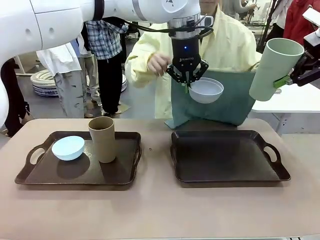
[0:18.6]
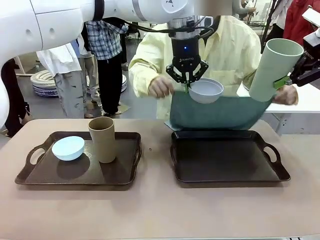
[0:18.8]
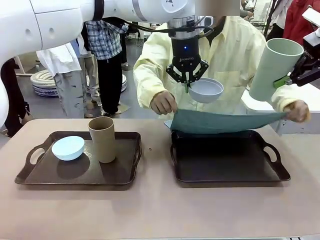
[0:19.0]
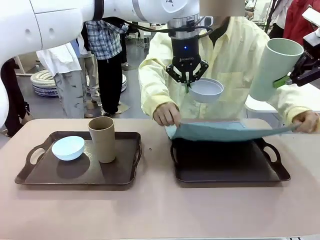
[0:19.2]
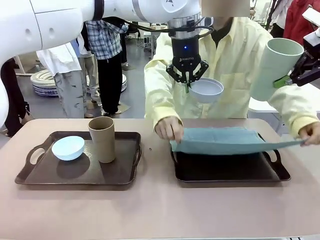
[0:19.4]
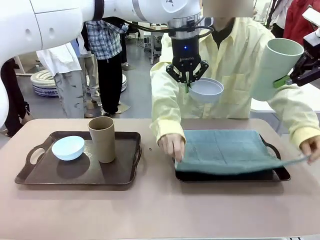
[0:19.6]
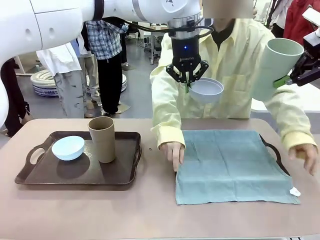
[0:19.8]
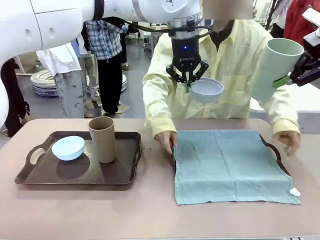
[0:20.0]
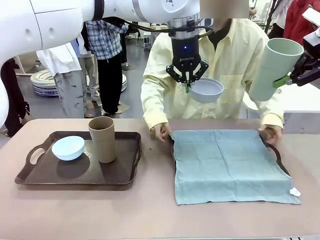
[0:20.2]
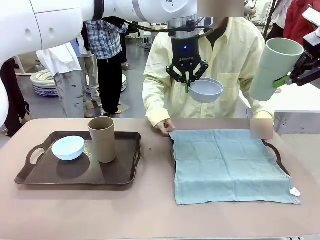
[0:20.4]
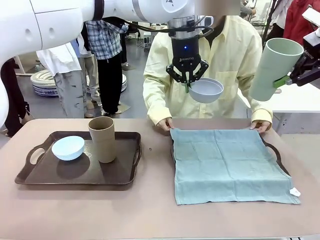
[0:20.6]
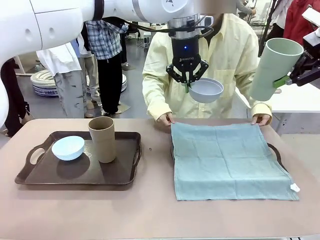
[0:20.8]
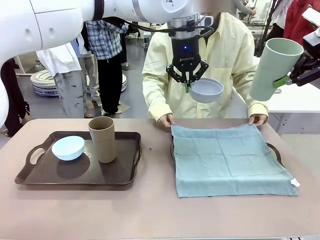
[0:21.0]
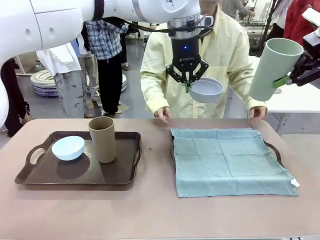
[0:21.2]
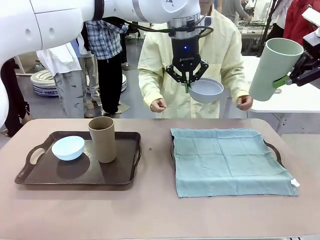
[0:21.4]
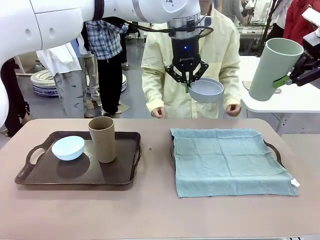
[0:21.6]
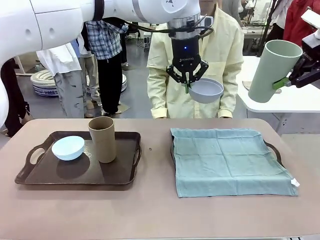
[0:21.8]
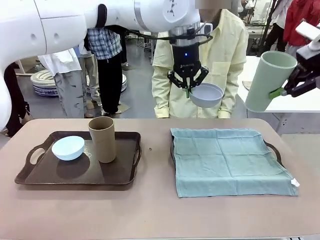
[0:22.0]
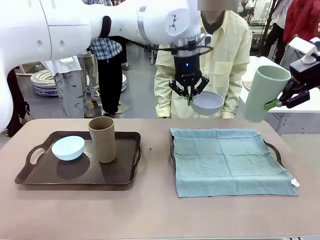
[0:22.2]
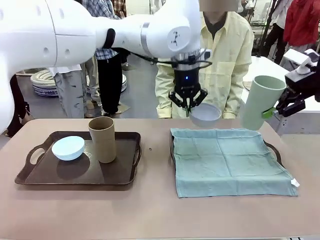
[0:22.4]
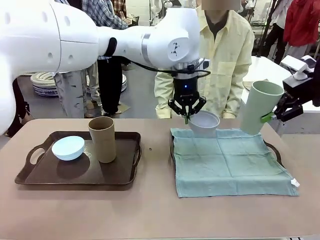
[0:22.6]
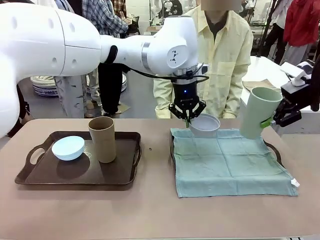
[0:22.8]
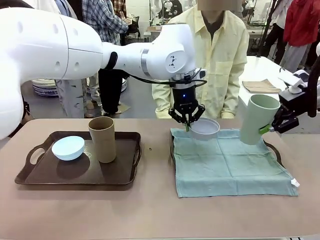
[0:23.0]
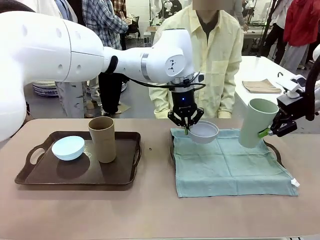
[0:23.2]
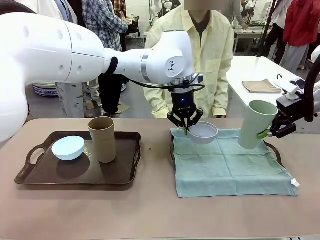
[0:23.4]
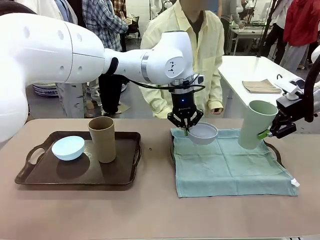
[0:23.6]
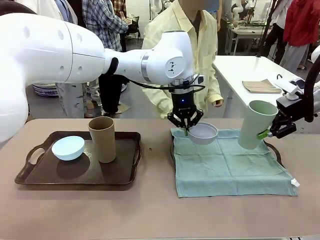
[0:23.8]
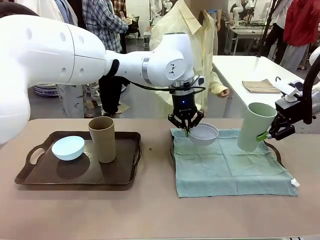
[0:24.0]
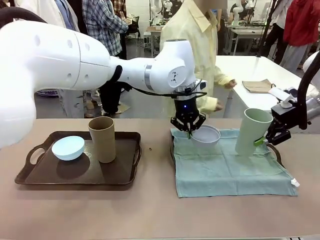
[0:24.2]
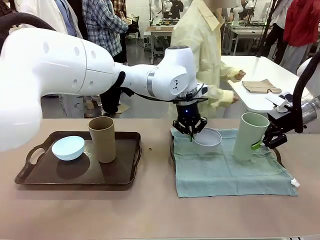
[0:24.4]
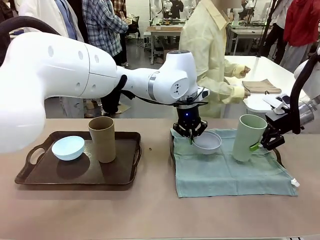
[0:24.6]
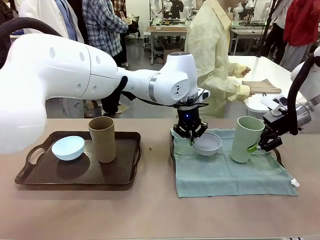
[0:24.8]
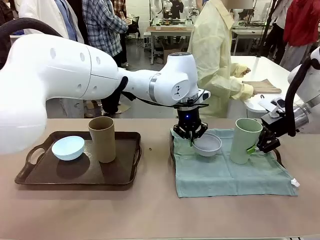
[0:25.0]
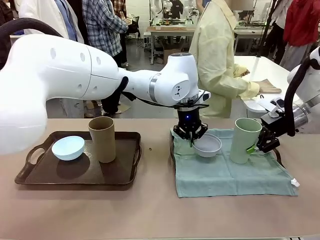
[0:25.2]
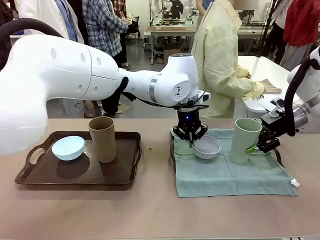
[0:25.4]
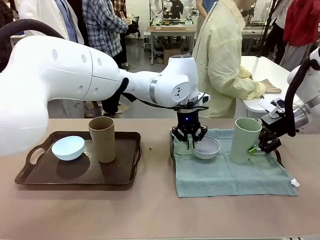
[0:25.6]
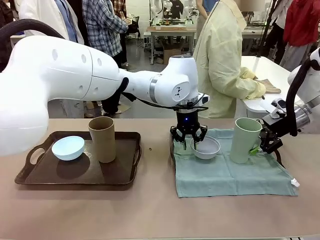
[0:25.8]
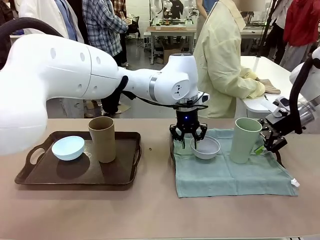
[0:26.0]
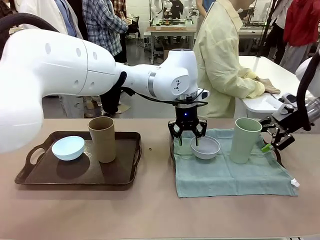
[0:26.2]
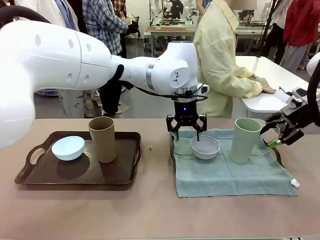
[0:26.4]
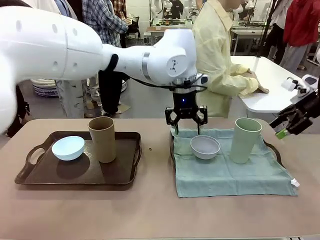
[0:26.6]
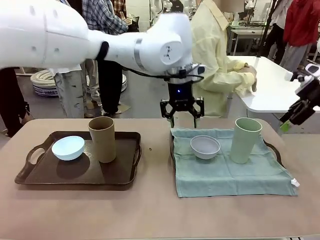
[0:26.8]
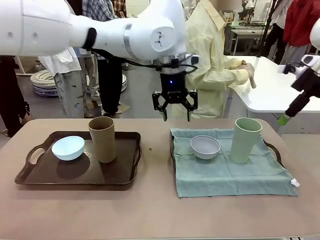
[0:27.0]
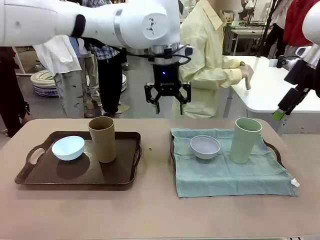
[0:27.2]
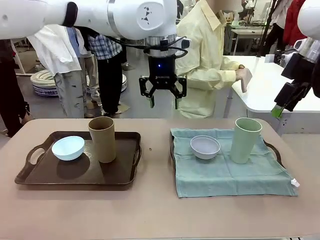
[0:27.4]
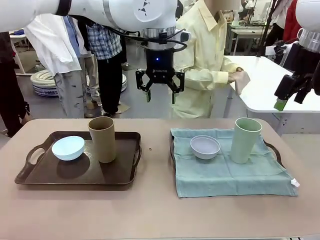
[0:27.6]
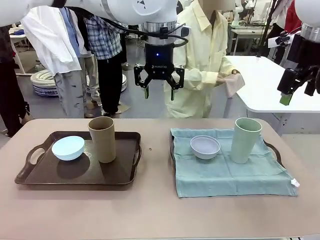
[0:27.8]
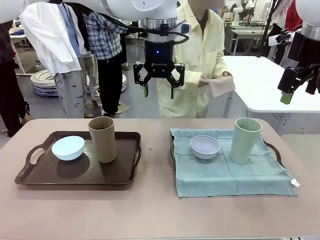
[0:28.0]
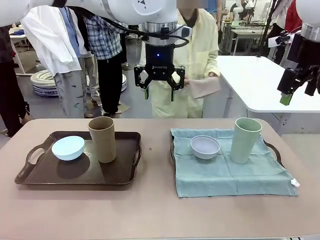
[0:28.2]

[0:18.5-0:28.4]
Robot: Place the Picnic Bowl and Reusable plastic cup back onto the Handle tray in front of the human's position.
Person: The human returns to the human table to pick up another napkin and walks to the robot table to stand in front of the tray without a napkin.

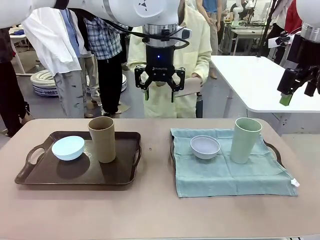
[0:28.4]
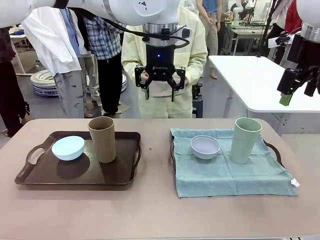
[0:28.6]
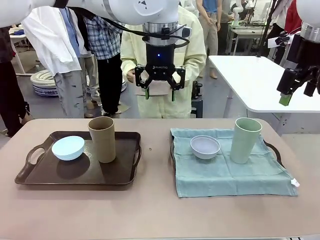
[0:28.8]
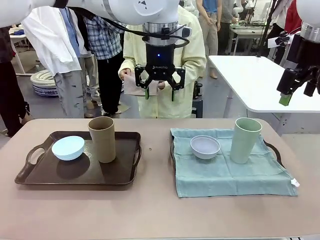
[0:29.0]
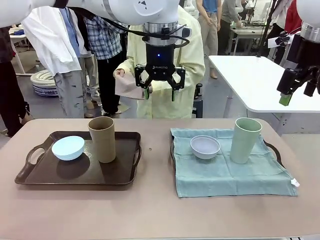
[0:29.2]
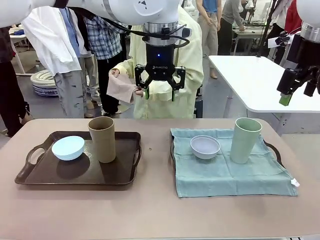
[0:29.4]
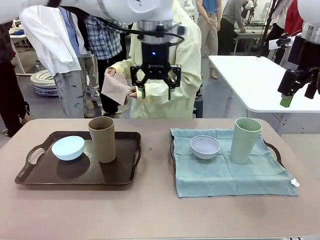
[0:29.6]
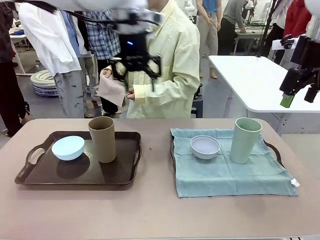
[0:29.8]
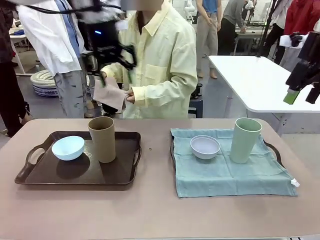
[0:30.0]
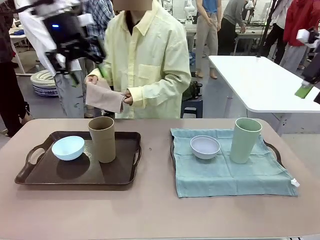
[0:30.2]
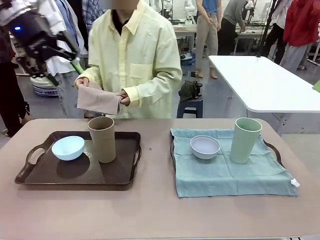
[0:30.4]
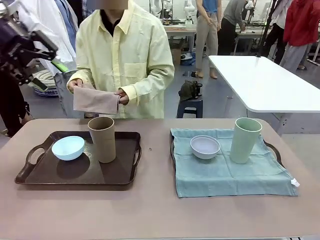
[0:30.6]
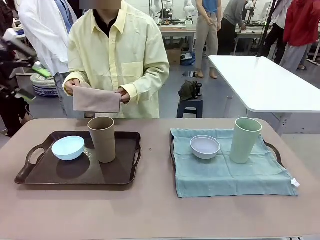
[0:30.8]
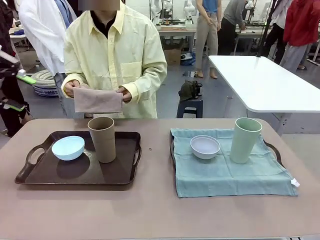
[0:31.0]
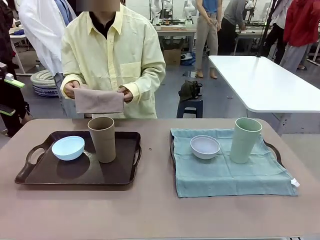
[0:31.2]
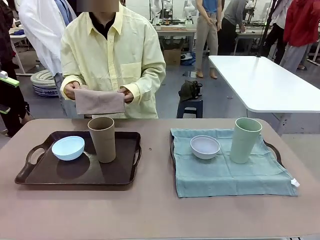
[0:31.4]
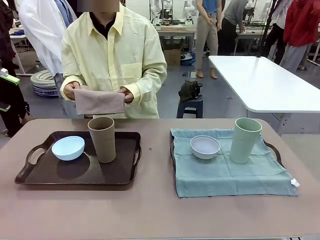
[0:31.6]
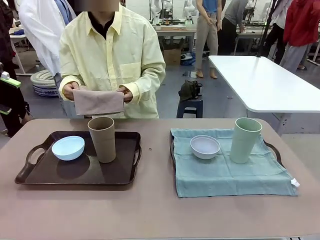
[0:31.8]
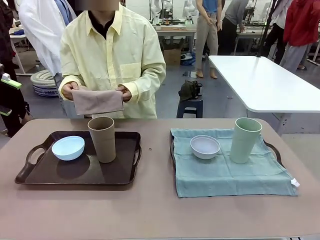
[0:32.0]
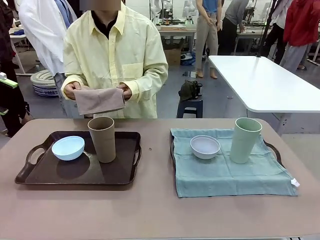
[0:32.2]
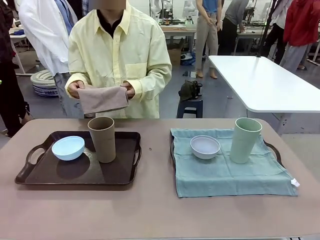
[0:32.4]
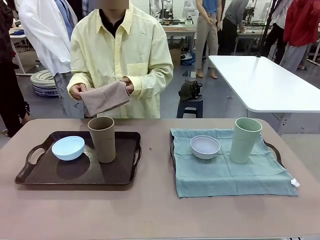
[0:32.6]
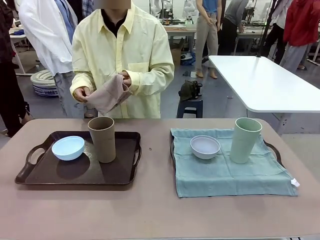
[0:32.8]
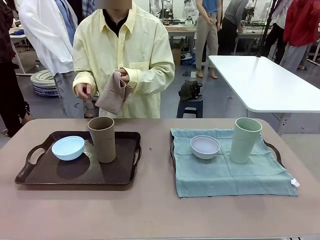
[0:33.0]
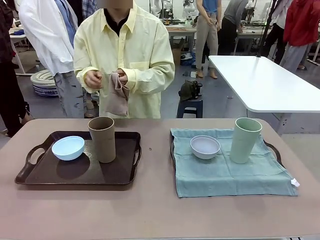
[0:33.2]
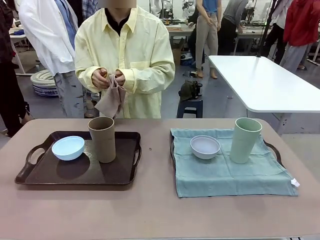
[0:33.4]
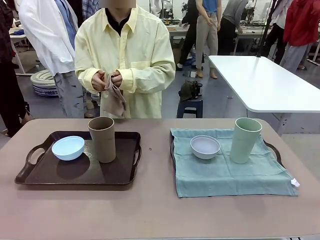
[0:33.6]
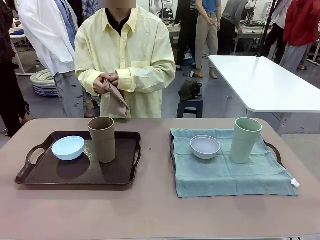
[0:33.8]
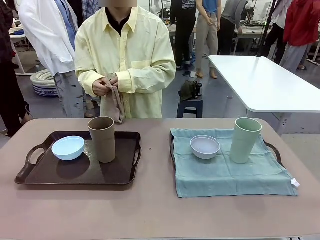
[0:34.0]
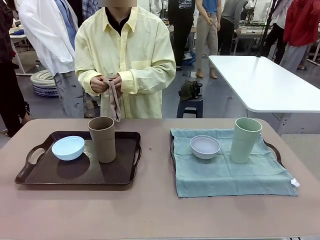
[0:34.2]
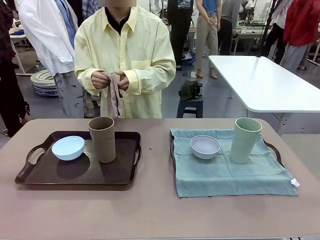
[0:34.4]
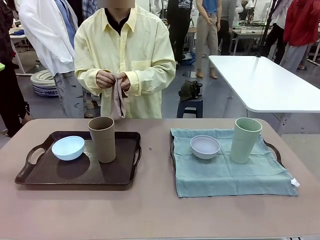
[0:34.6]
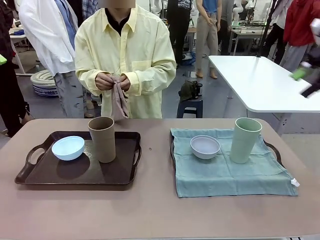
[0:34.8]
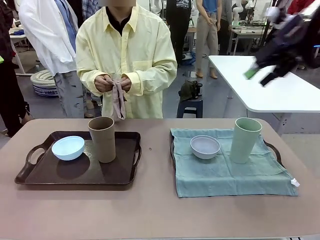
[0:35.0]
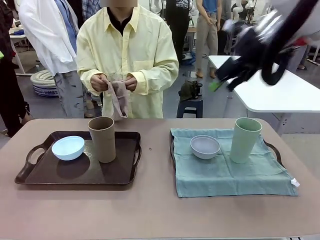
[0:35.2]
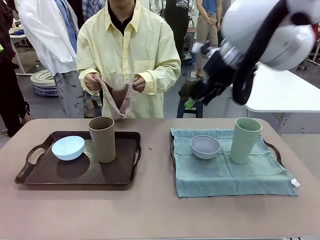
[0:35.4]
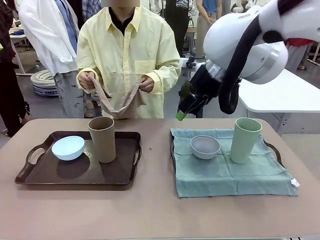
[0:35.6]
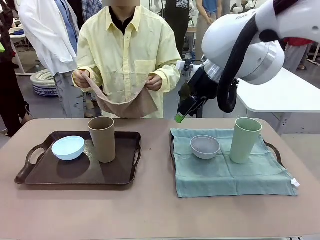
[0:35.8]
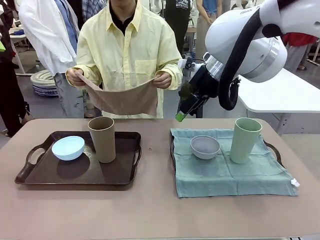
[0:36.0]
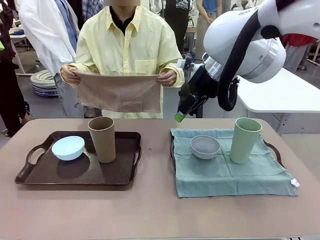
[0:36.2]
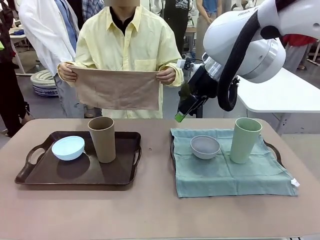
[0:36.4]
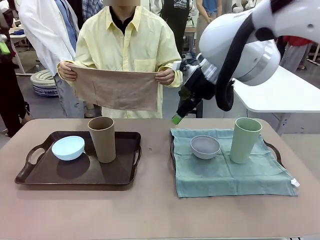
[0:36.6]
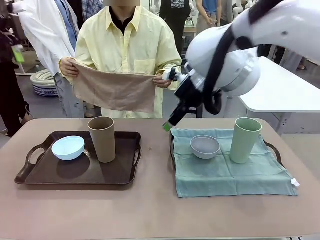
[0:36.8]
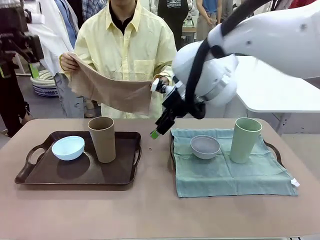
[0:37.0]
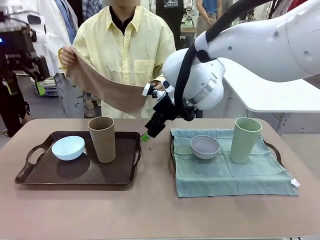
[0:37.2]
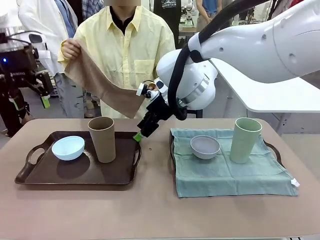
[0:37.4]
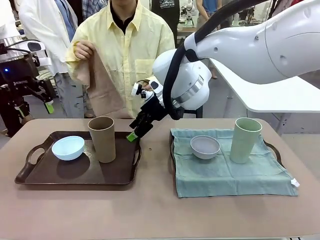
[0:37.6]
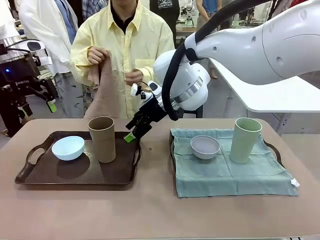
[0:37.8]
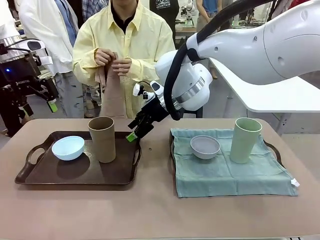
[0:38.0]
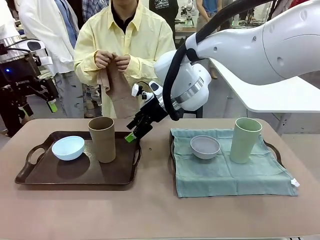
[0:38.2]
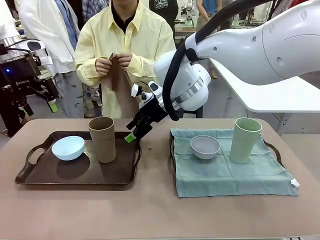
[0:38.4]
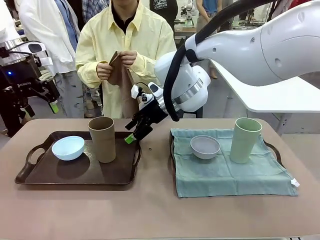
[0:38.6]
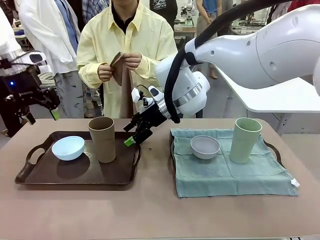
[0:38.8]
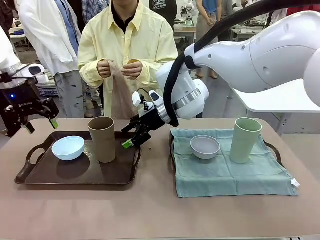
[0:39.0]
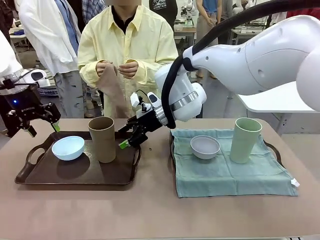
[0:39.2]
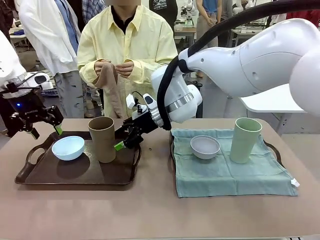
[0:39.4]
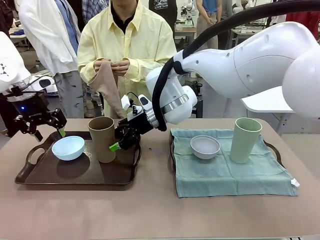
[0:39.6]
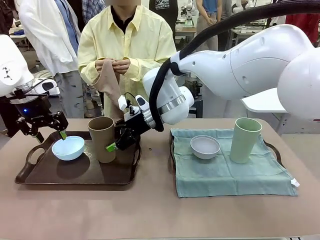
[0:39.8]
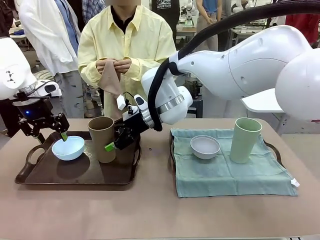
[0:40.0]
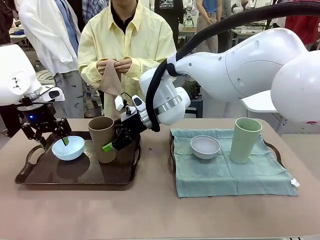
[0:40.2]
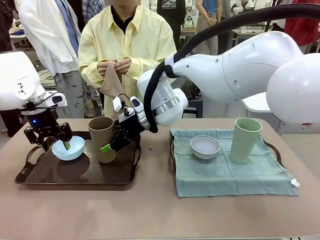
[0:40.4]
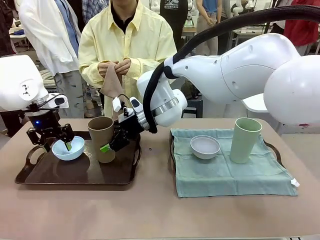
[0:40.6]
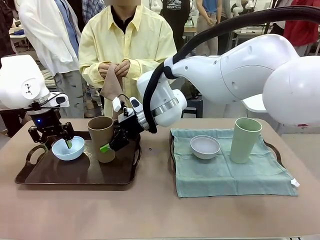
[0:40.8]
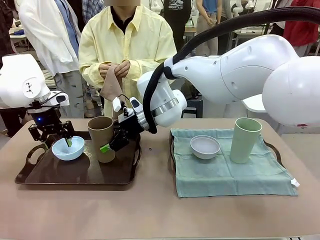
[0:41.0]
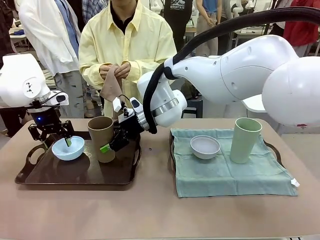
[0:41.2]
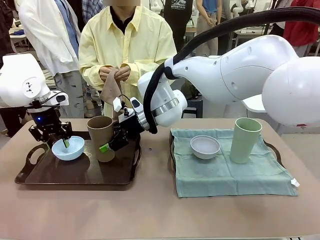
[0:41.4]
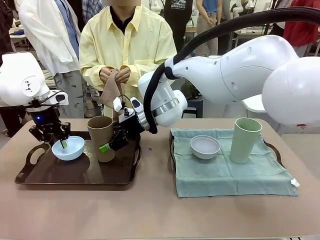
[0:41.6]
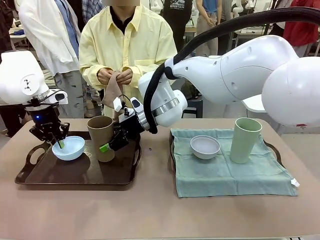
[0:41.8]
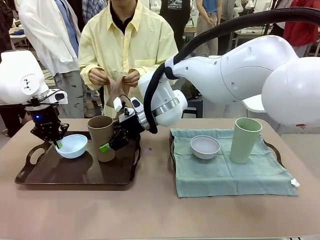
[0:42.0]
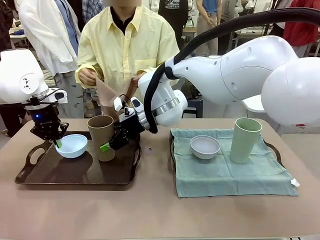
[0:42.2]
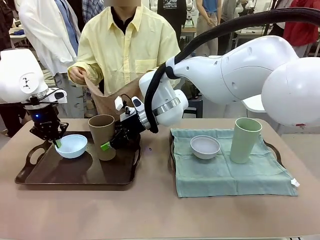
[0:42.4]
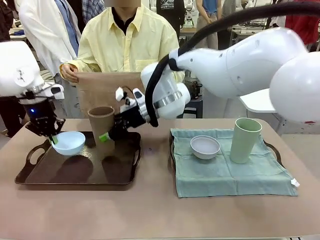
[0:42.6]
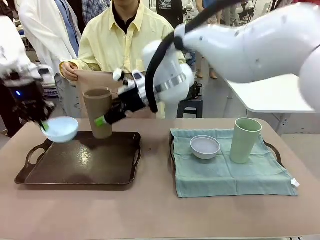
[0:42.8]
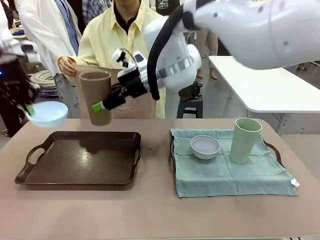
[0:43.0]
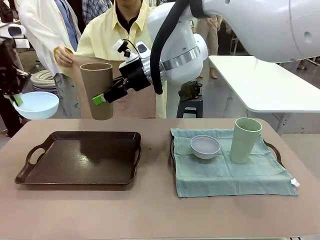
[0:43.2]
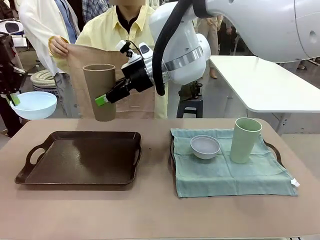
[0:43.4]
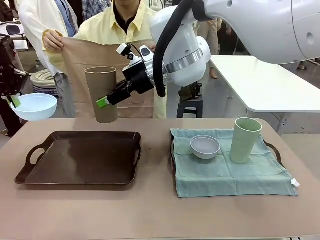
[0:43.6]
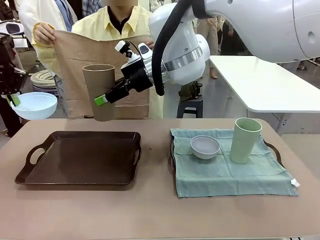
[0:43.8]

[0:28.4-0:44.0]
Robot: Pick up the Picnic Bowl and Reusable plastic cup from the Handle tray in front of the human's position and hold them in the air.
